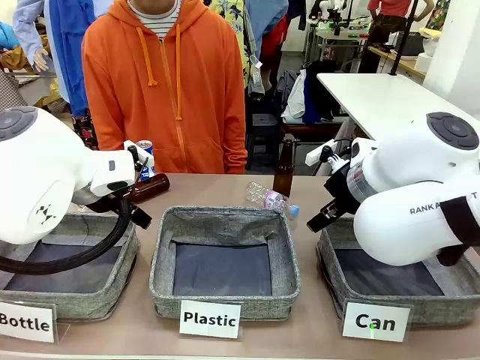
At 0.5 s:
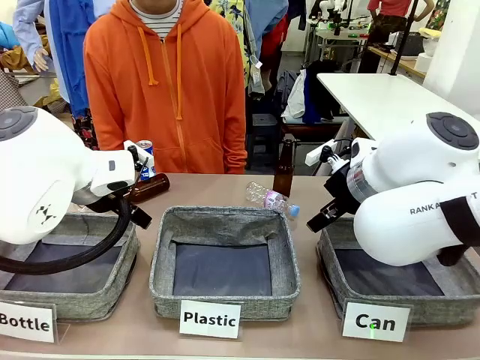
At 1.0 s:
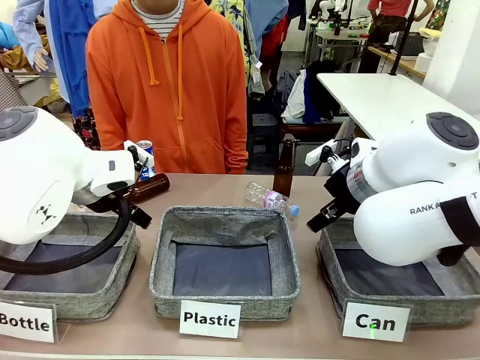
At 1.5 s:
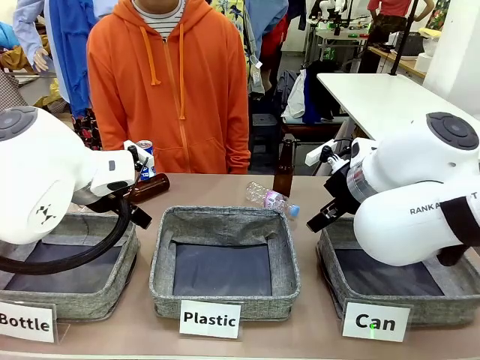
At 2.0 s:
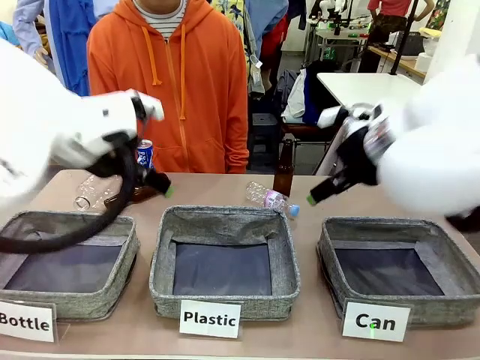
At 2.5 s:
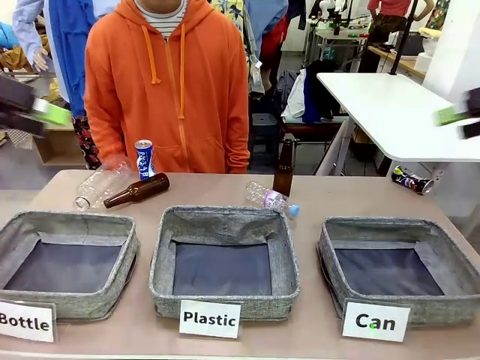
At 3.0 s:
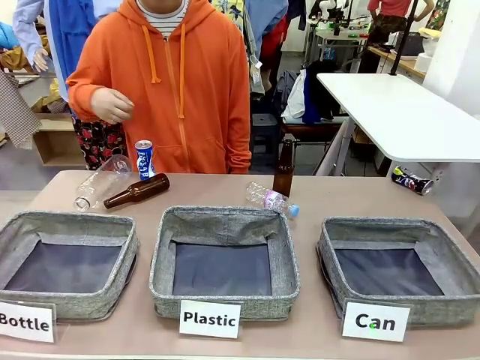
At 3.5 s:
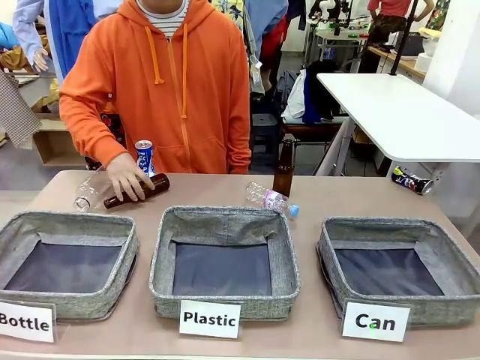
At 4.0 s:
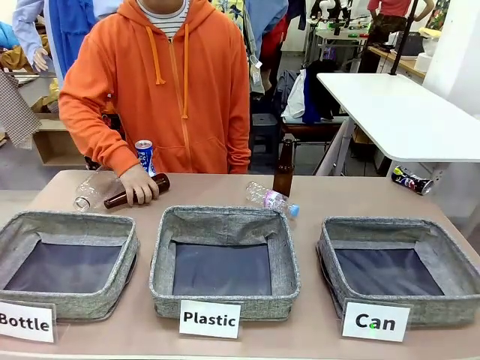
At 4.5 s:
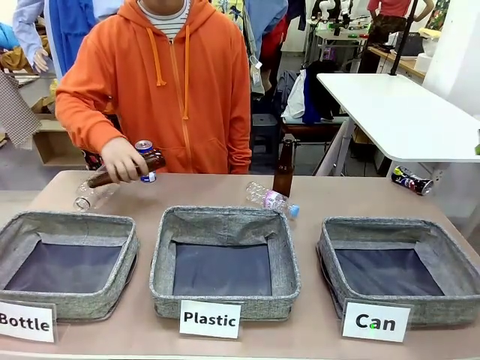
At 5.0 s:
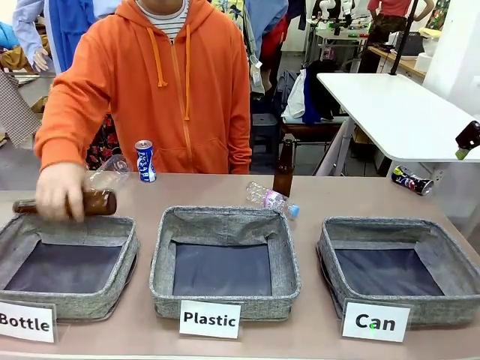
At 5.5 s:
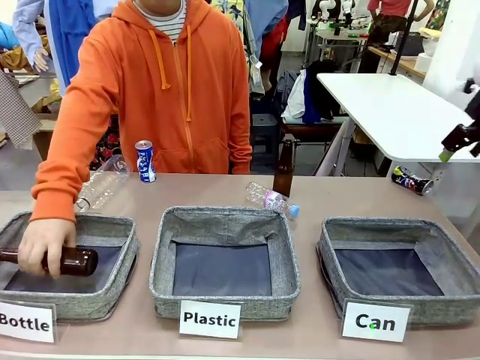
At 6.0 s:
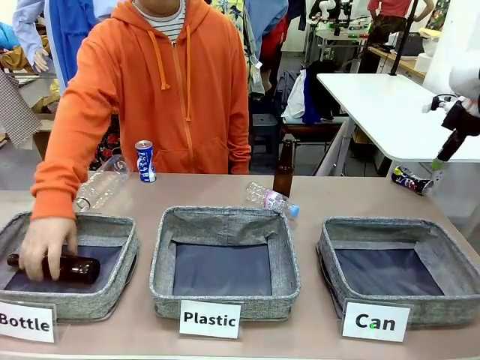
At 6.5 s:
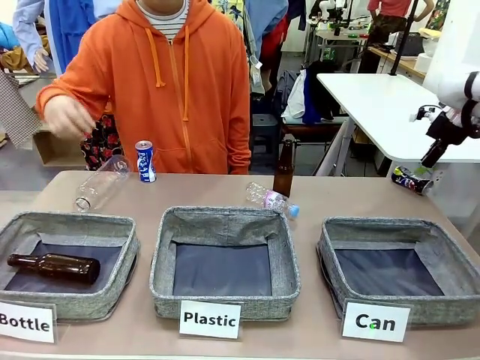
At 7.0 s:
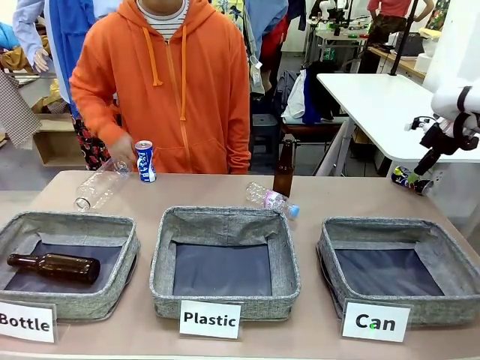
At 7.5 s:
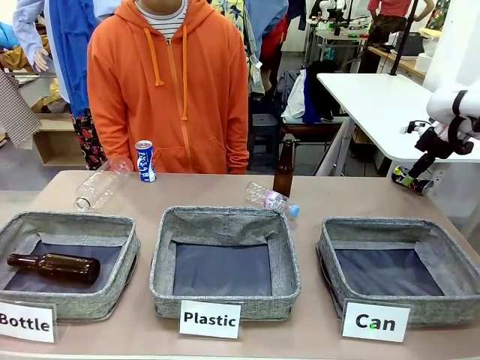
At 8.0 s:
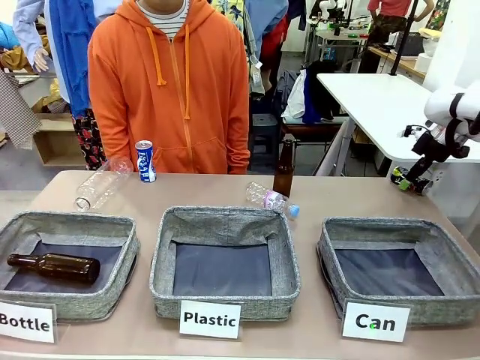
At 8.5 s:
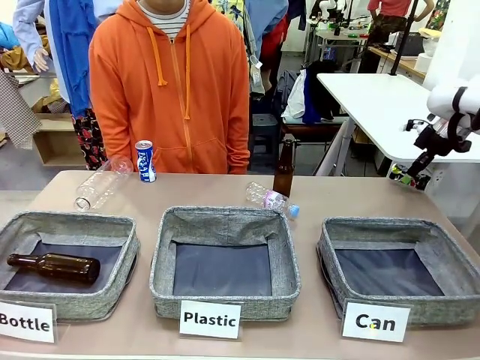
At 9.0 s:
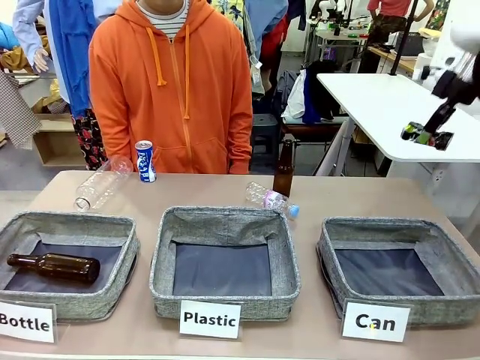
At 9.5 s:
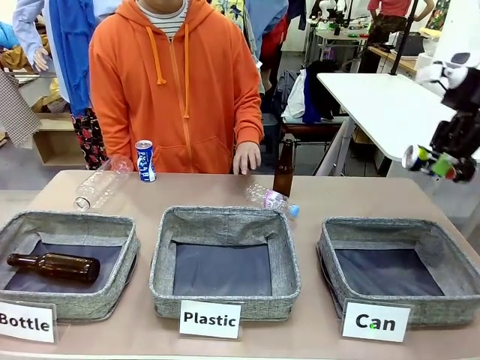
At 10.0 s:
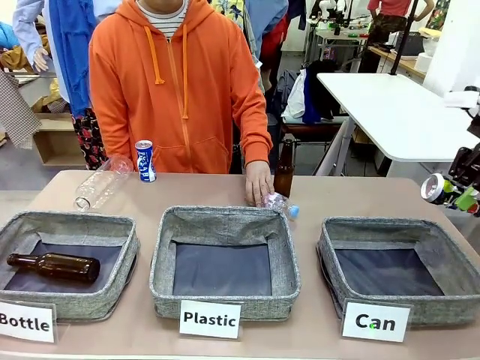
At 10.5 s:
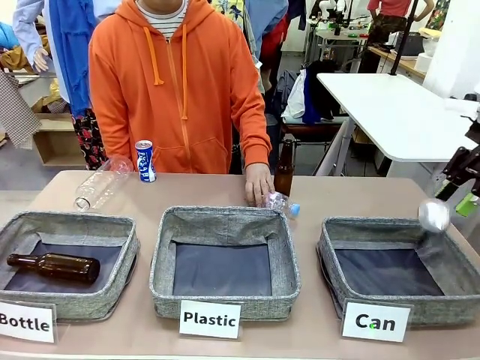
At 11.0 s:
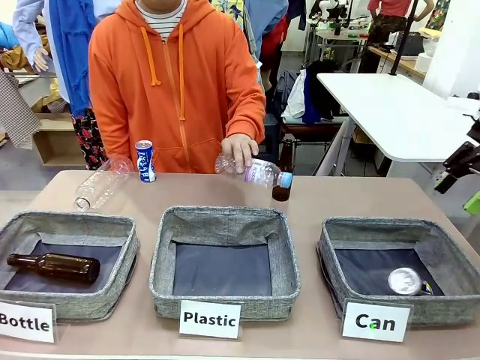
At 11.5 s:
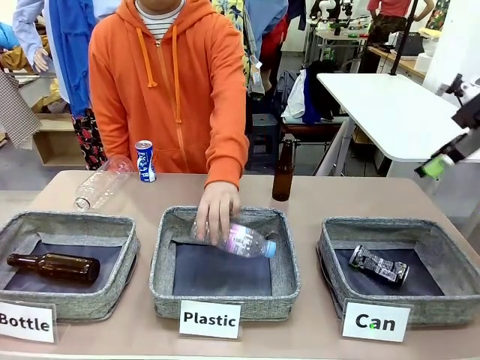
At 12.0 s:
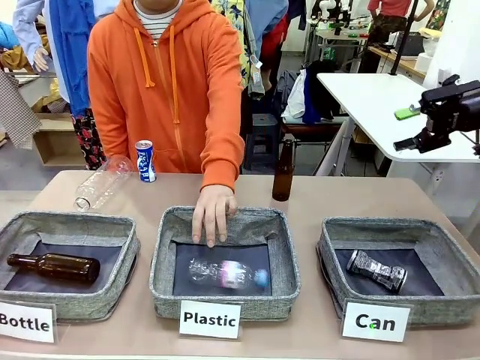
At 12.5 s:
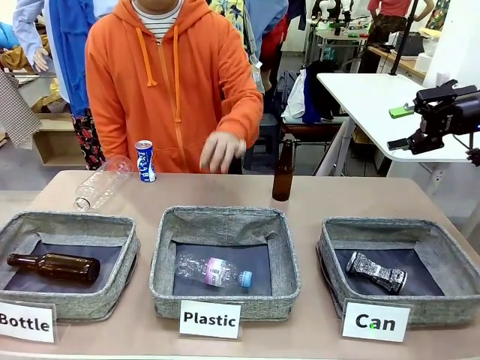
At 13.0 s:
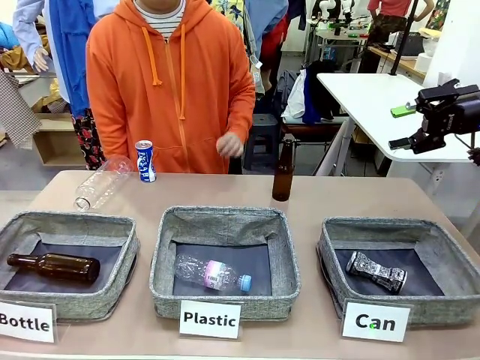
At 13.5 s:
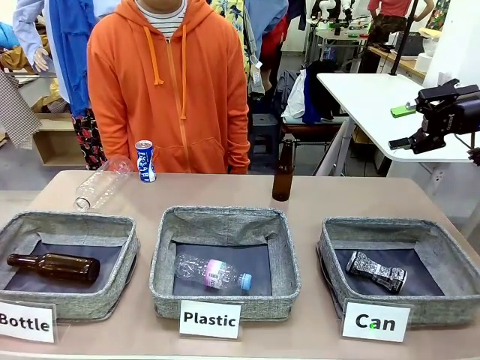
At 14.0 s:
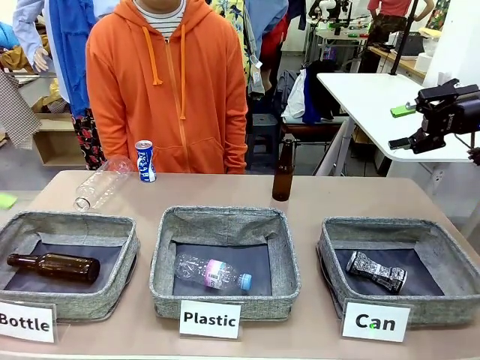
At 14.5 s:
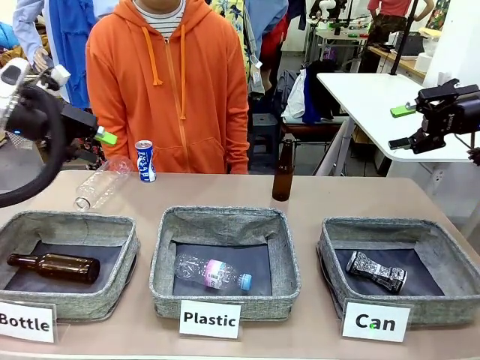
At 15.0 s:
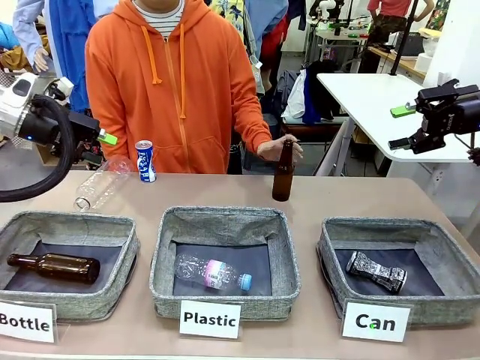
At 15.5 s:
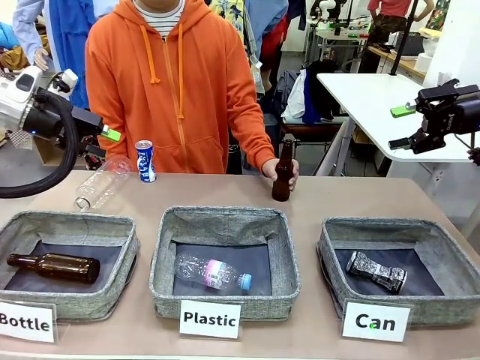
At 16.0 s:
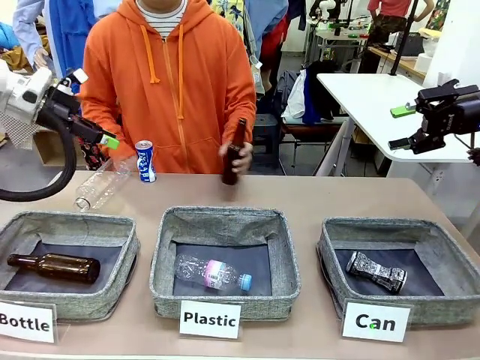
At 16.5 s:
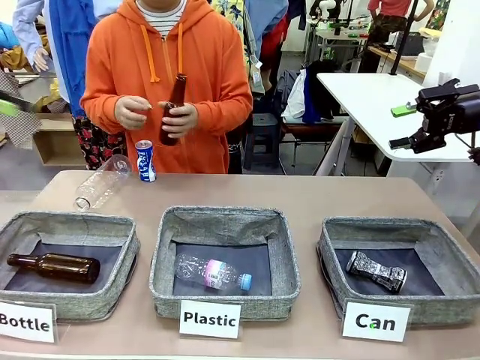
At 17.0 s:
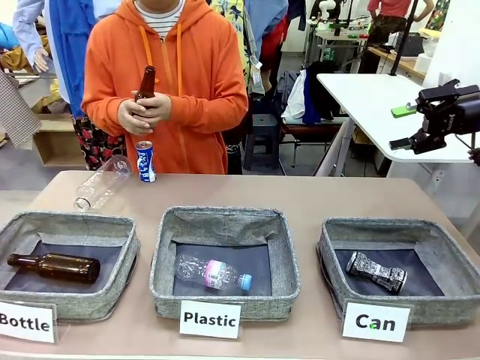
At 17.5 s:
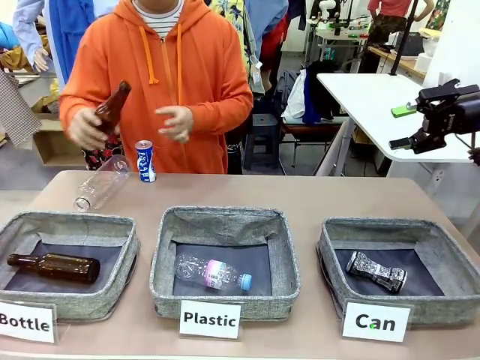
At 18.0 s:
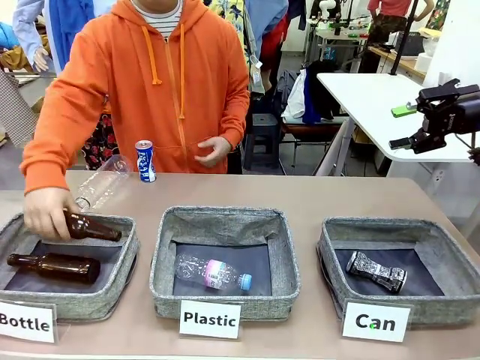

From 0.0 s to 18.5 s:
Task: Sort the can waste into the basket.
Robot: Pick up the can waste from the table and place it in the right Fabric basket.
